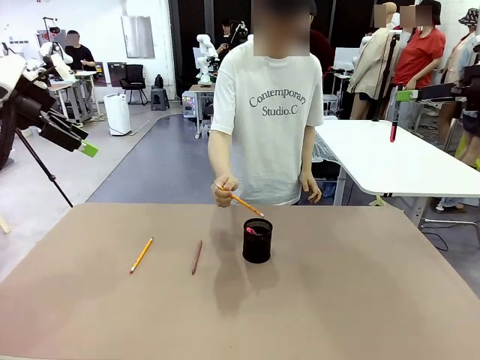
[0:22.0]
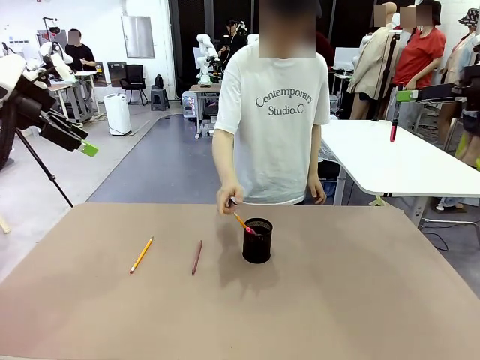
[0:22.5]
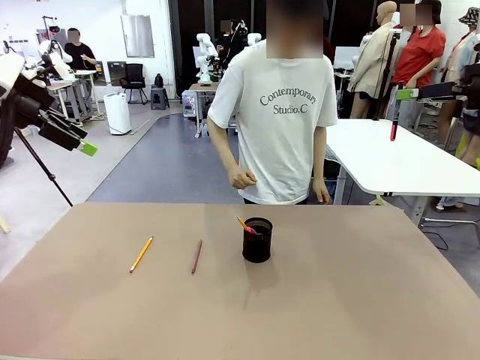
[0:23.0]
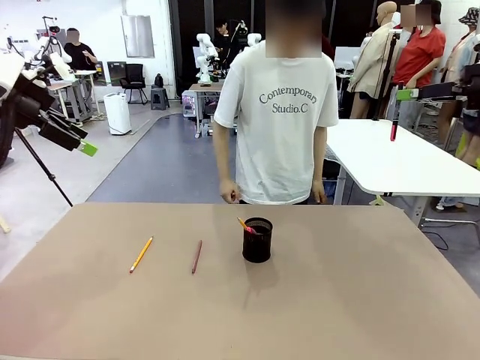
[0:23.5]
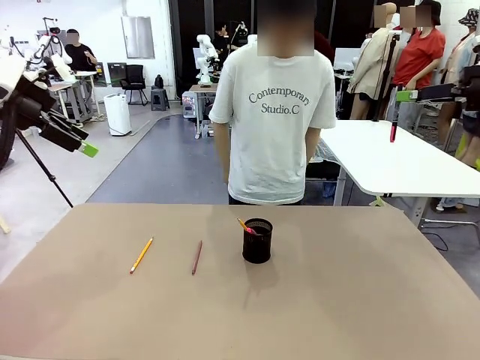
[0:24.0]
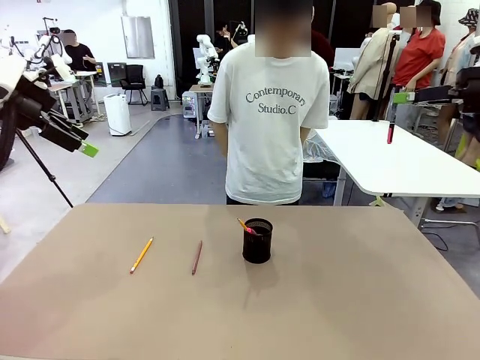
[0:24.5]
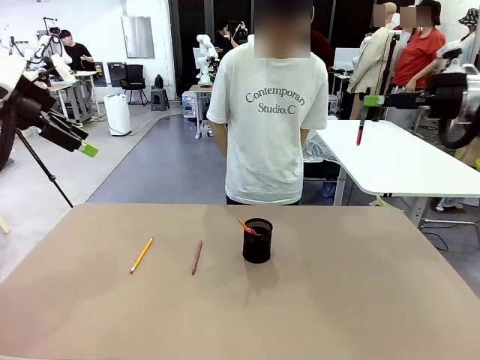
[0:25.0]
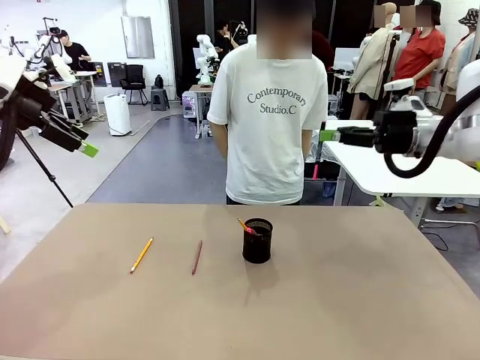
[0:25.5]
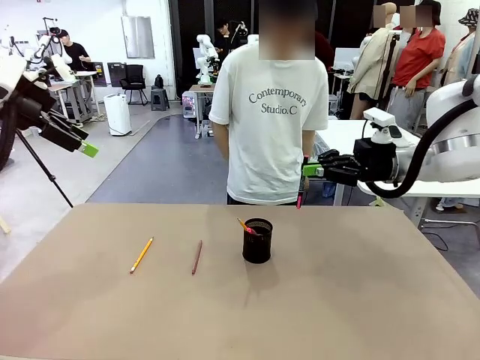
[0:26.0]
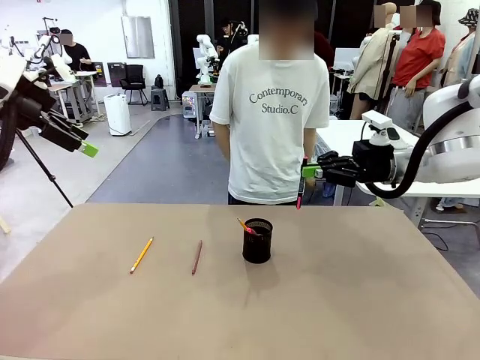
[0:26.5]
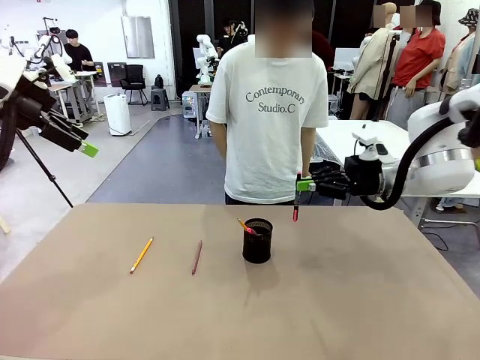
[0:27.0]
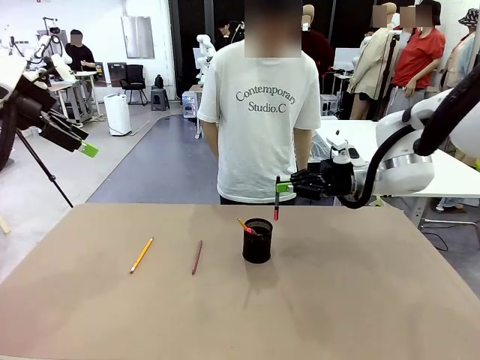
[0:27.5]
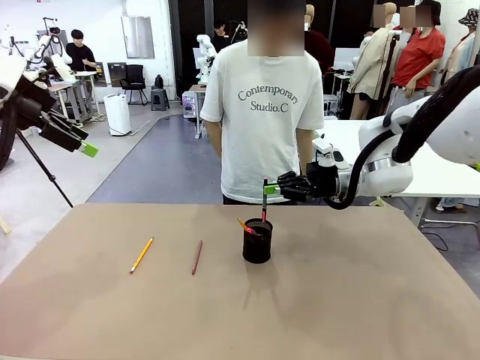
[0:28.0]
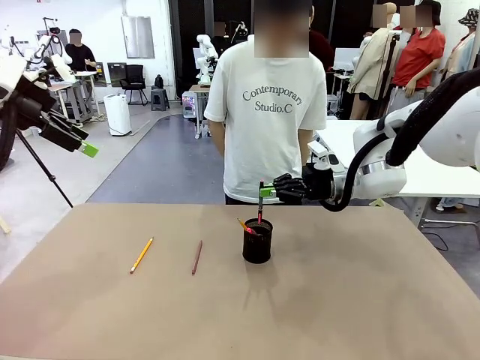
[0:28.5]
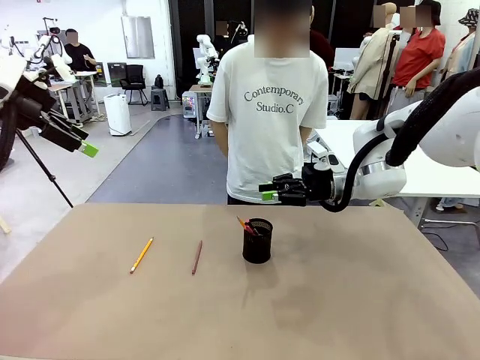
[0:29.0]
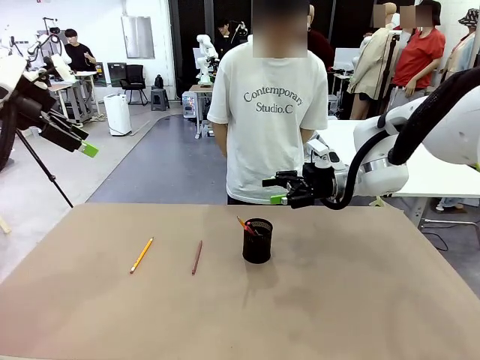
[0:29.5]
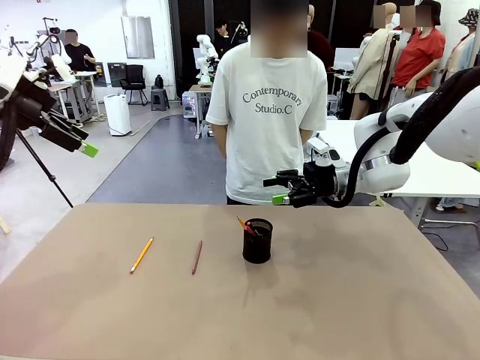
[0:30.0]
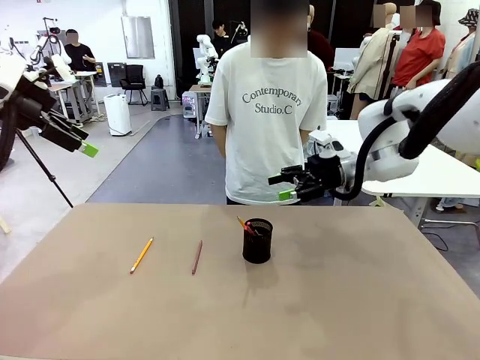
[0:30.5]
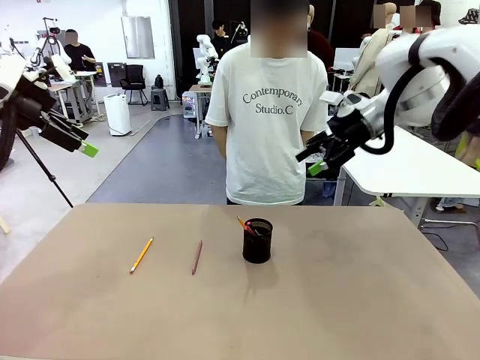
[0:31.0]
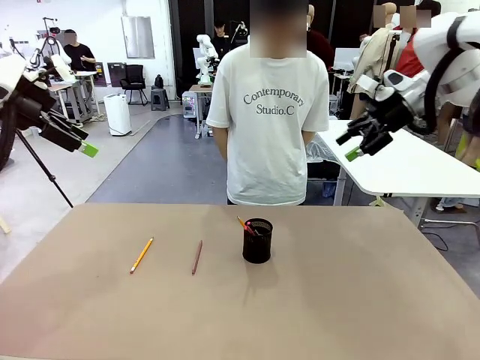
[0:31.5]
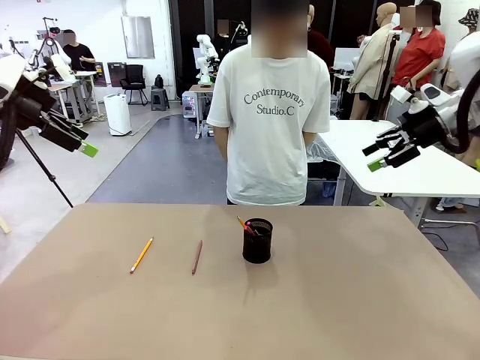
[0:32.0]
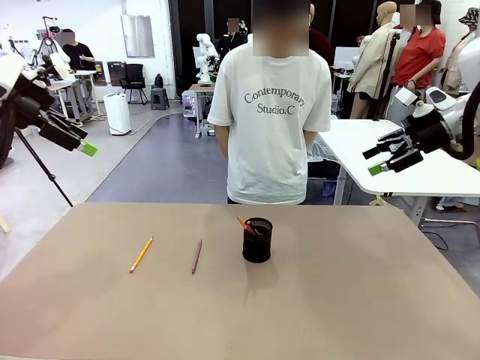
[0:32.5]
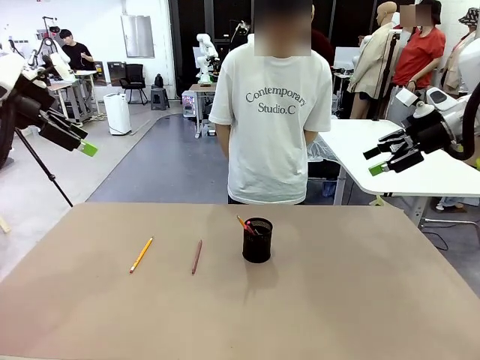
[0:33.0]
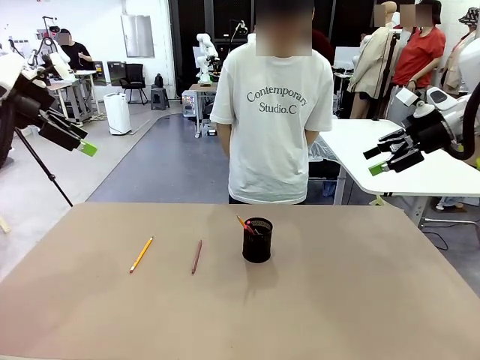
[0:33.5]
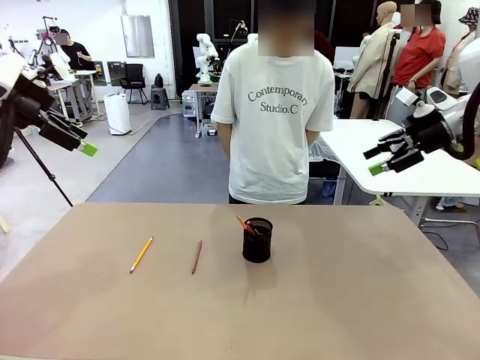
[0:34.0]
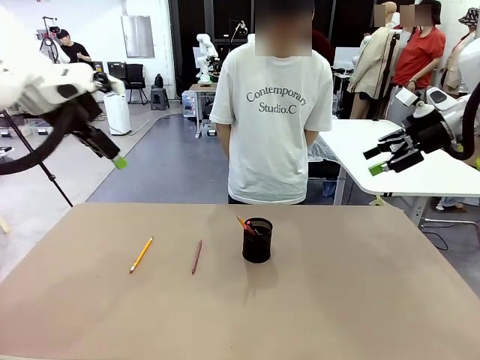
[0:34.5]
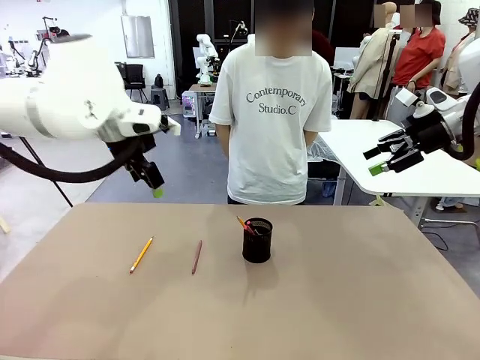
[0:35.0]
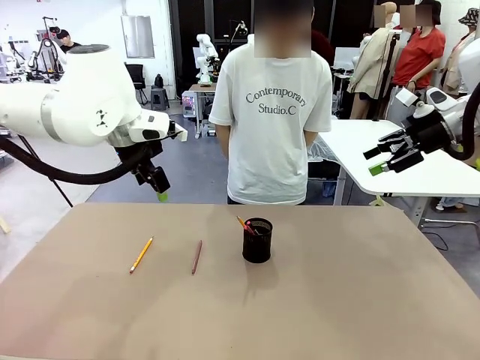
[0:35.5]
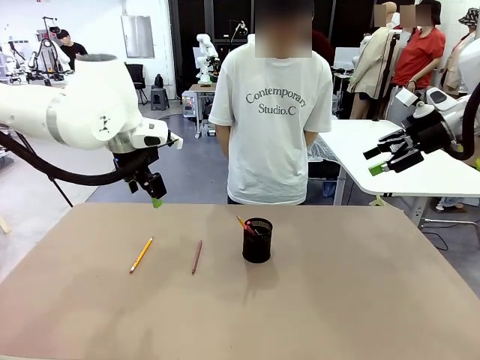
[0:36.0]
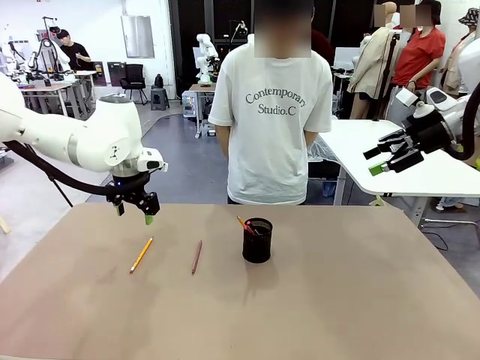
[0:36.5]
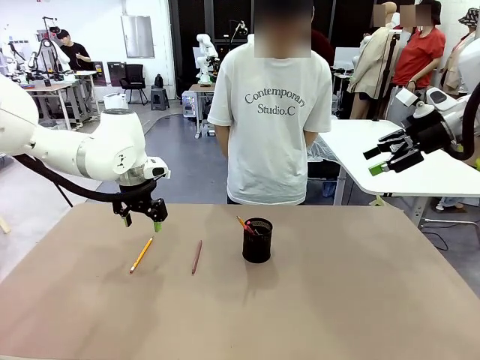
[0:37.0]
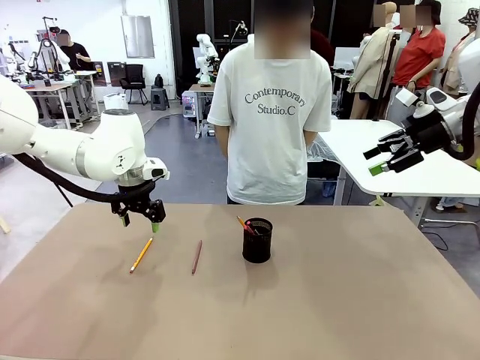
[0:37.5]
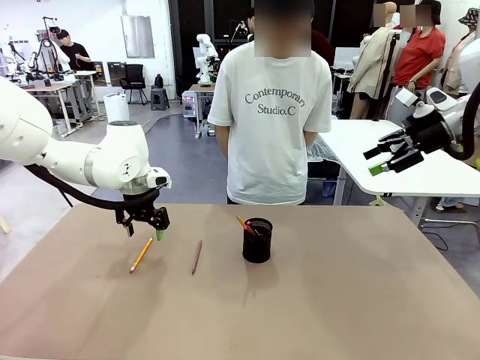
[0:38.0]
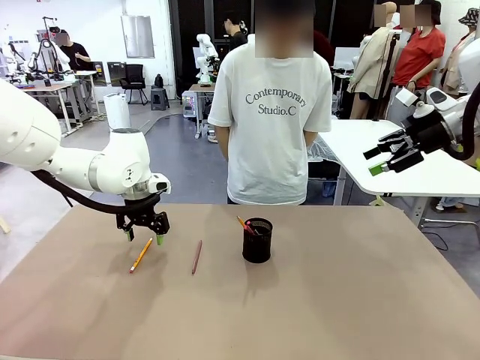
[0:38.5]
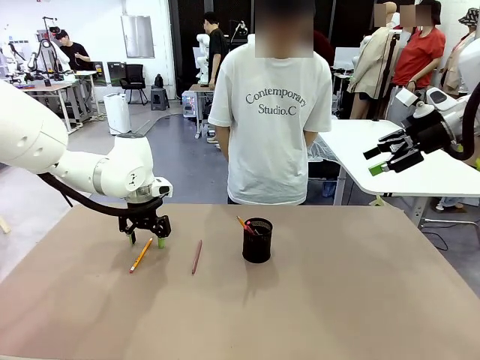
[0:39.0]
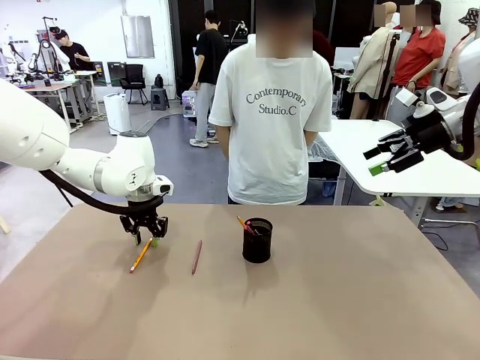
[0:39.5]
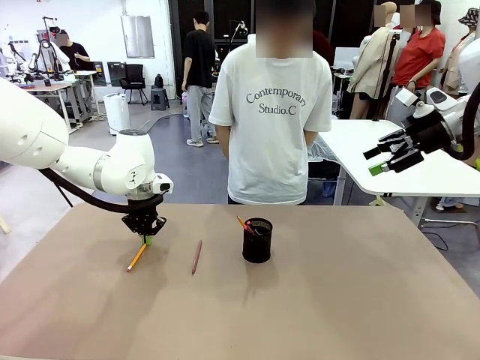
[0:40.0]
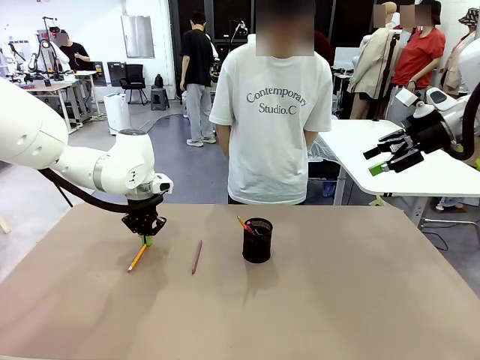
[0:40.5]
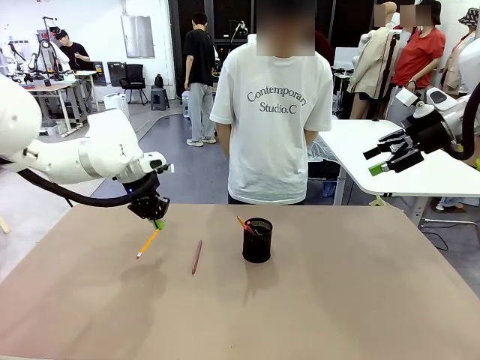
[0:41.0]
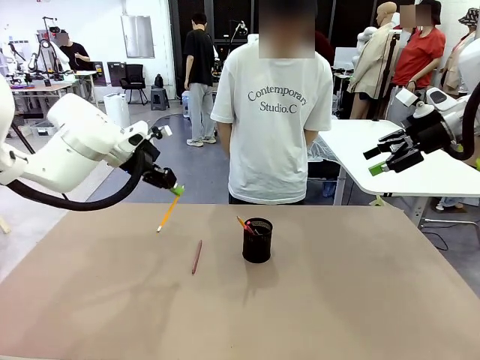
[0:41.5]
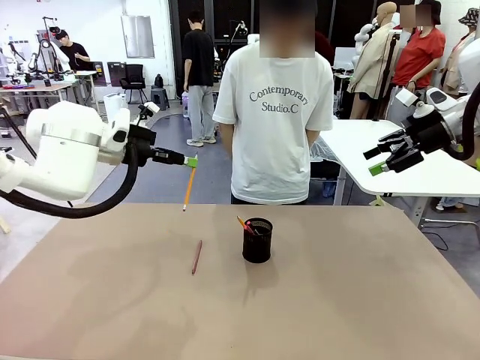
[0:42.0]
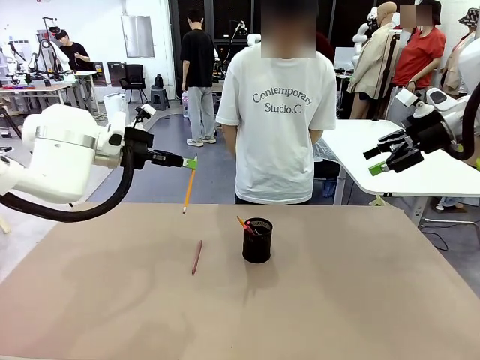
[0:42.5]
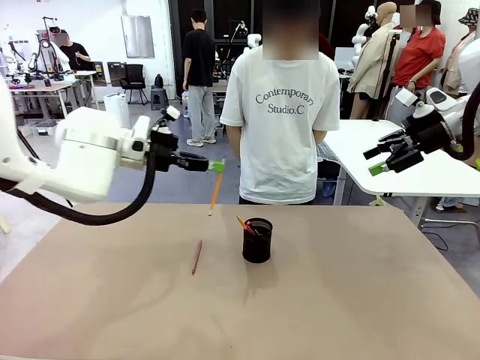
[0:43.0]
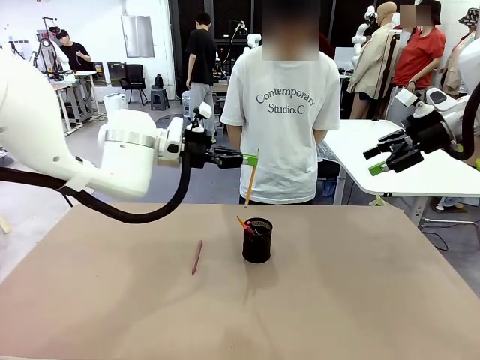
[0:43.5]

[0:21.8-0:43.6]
Task: Place the pens into the pen holder.
Robot: Pick up a writing instrument from the table and place it into the Pen holder.

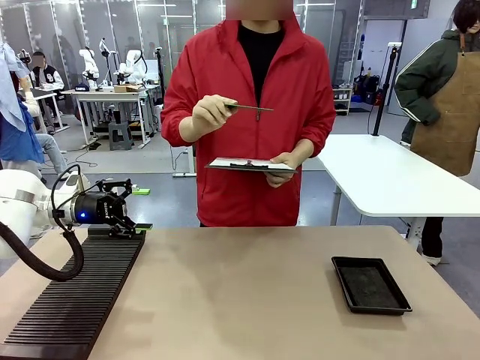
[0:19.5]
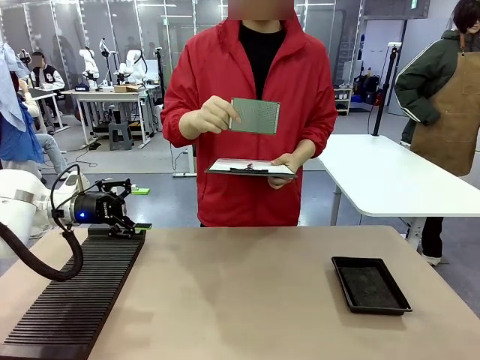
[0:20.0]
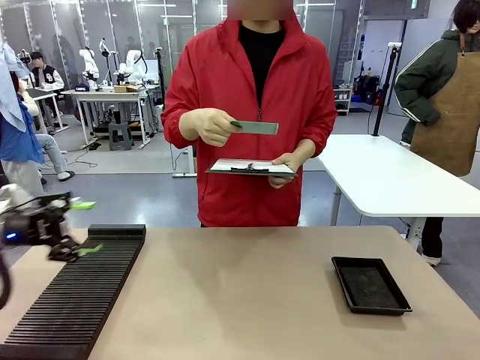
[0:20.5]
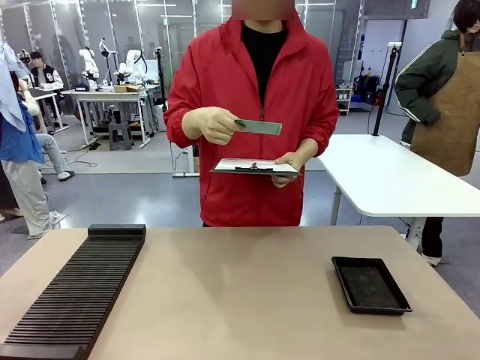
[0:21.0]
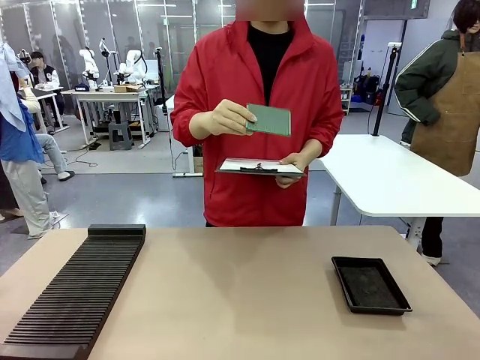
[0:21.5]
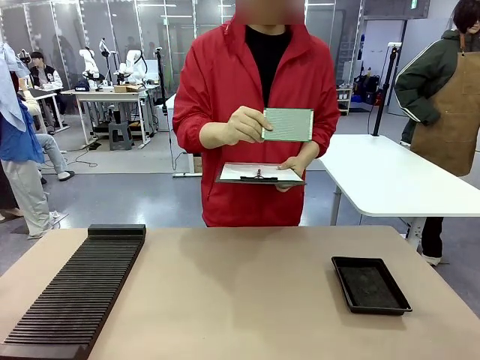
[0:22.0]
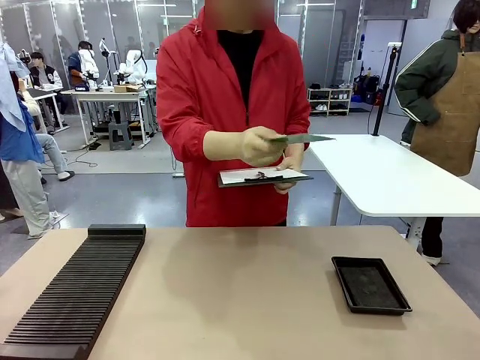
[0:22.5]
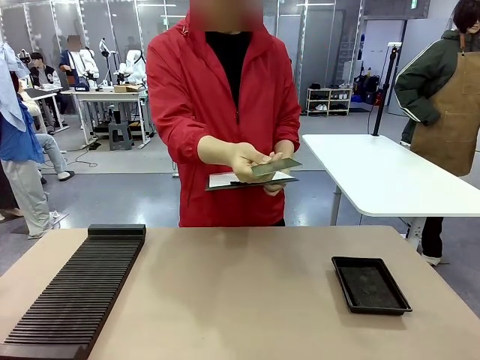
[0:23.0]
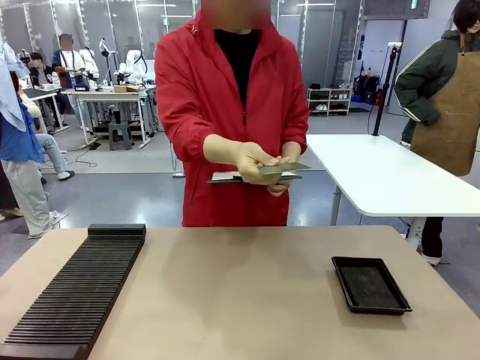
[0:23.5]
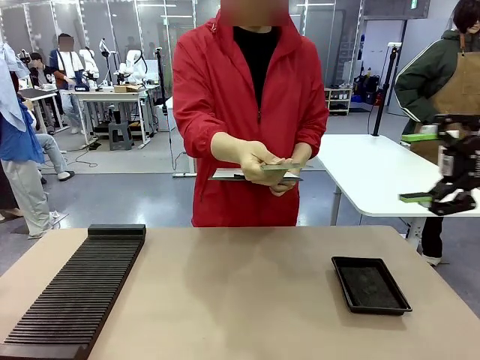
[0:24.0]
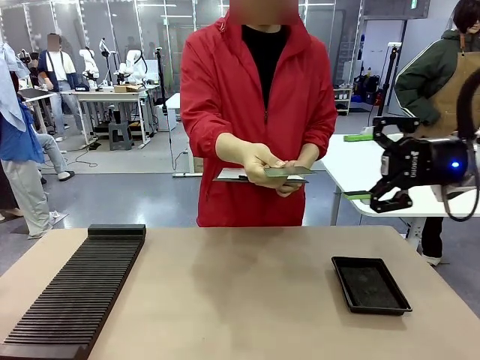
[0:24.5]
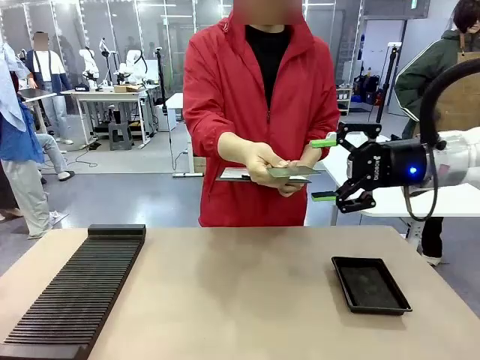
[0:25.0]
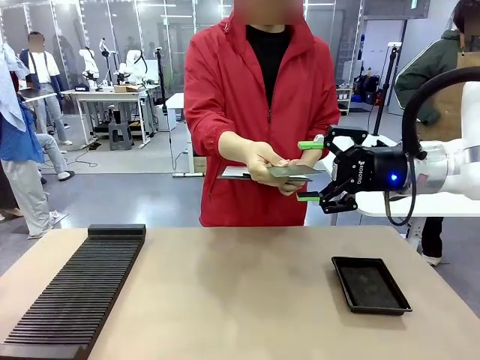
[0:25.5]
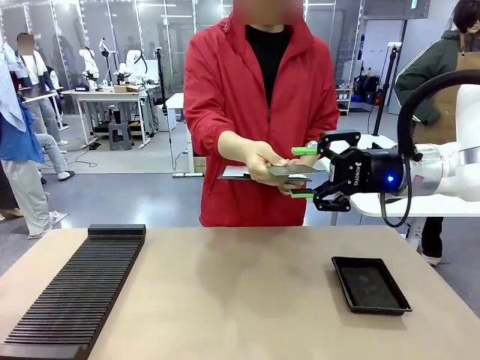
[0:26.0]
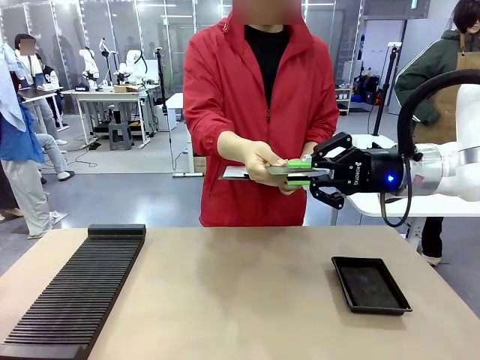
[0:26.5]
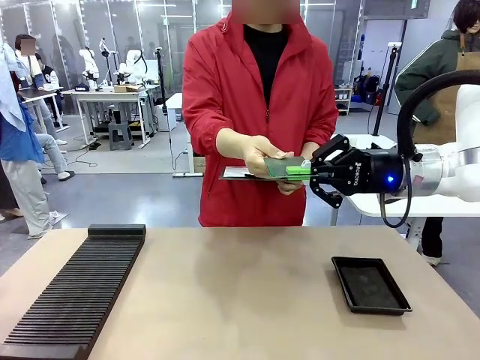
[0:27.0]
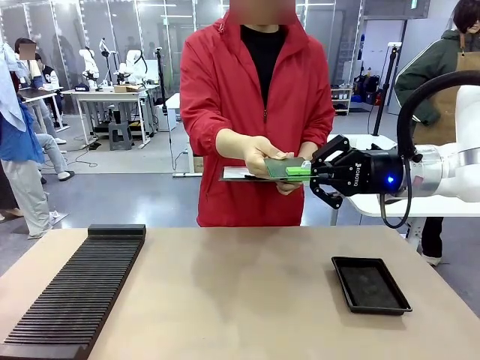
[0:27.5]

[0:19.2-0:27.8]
Task: Inspect the PCB.
Robot: Pick up the Blank PCB that the human is holding.
Person: Inspect the PCB placed by the robot, then hold it out in front of the robot. Release the PCB you were holding.
